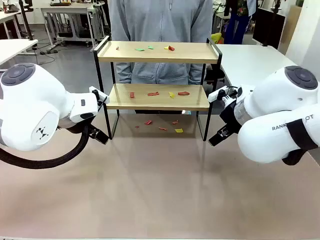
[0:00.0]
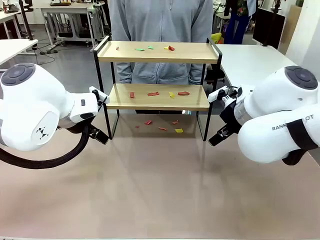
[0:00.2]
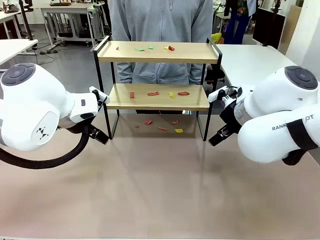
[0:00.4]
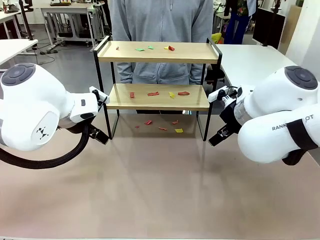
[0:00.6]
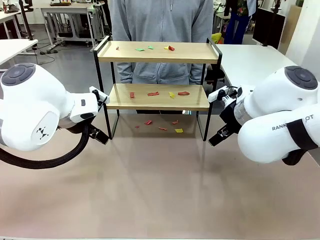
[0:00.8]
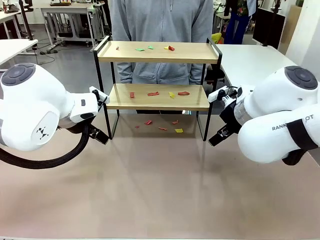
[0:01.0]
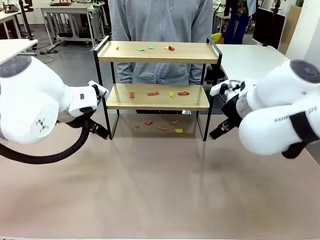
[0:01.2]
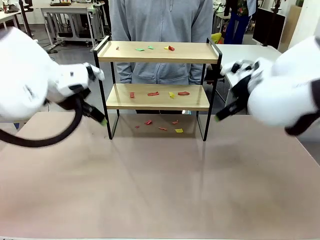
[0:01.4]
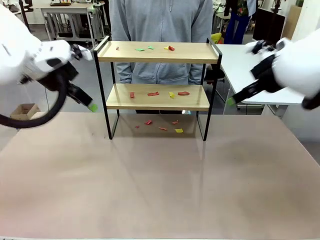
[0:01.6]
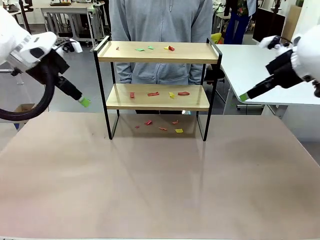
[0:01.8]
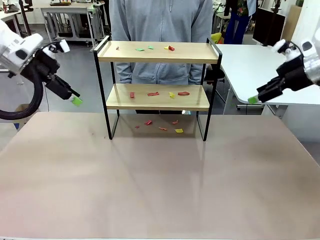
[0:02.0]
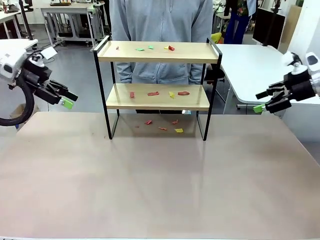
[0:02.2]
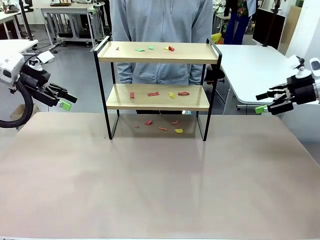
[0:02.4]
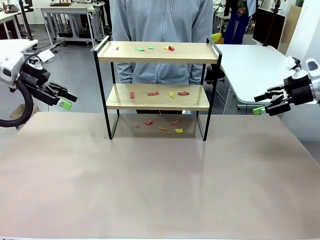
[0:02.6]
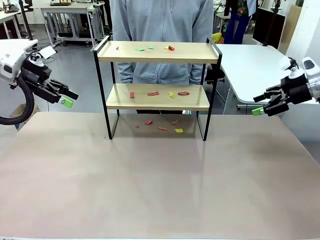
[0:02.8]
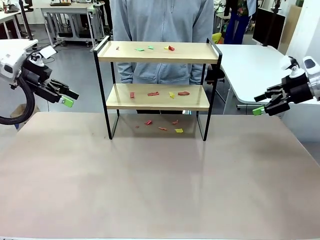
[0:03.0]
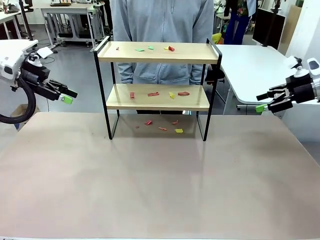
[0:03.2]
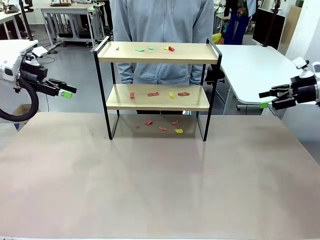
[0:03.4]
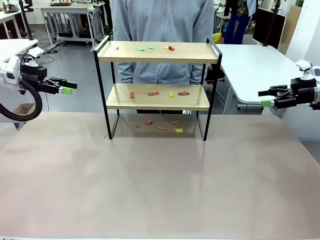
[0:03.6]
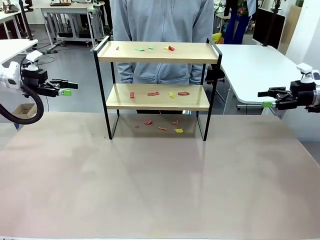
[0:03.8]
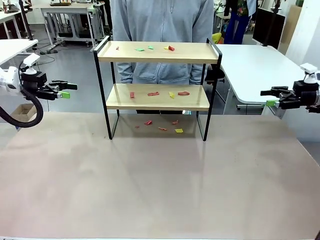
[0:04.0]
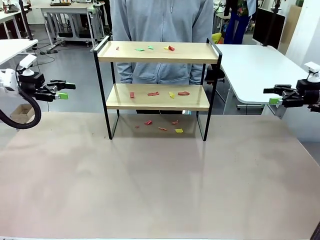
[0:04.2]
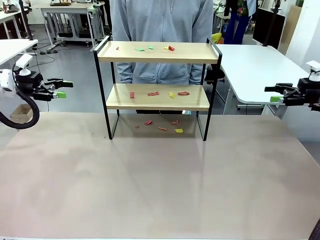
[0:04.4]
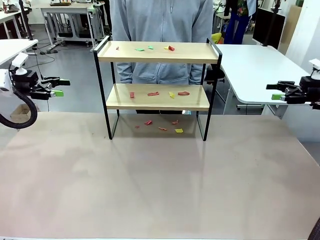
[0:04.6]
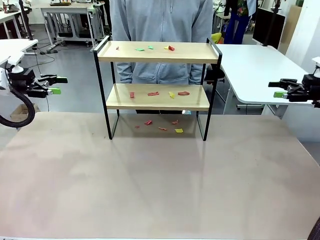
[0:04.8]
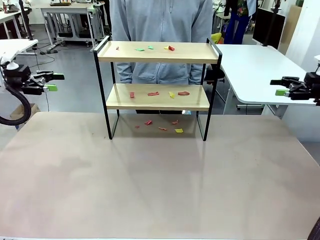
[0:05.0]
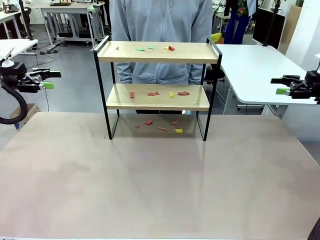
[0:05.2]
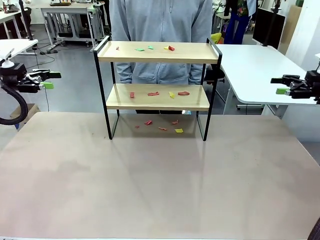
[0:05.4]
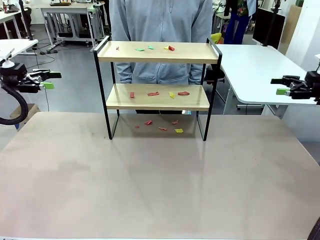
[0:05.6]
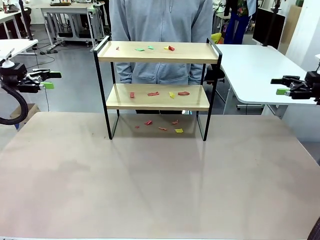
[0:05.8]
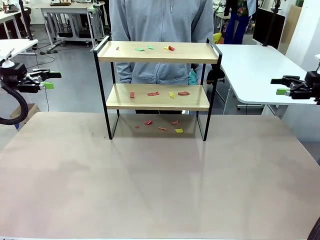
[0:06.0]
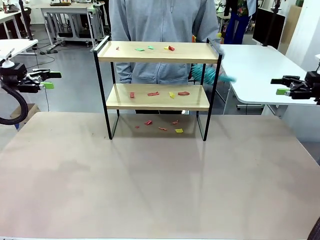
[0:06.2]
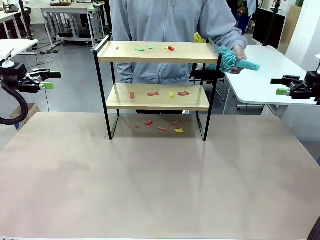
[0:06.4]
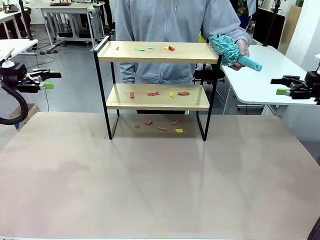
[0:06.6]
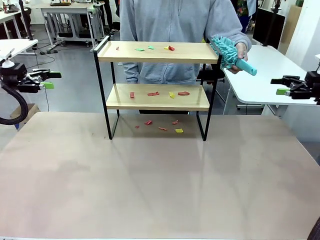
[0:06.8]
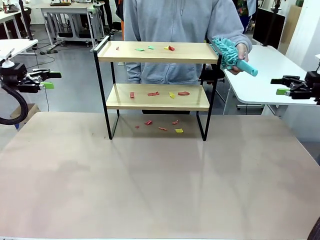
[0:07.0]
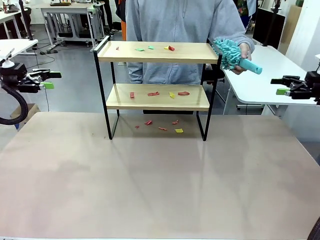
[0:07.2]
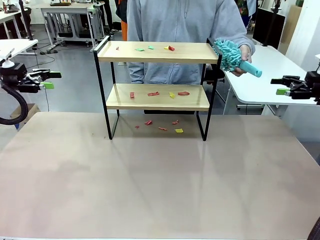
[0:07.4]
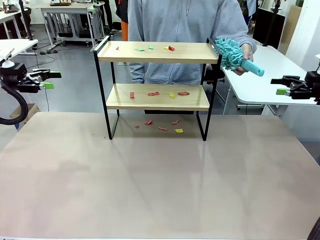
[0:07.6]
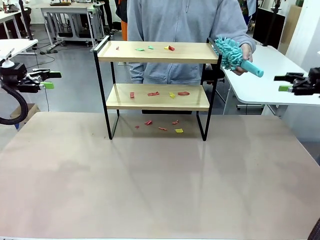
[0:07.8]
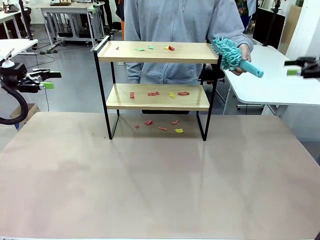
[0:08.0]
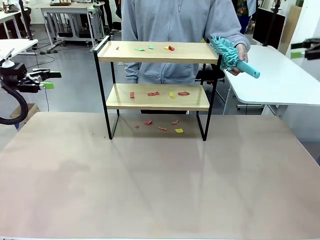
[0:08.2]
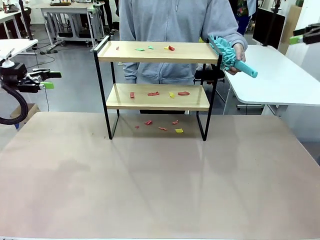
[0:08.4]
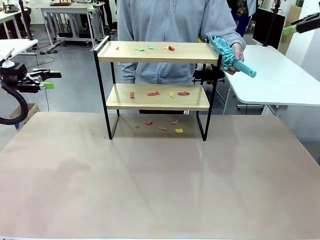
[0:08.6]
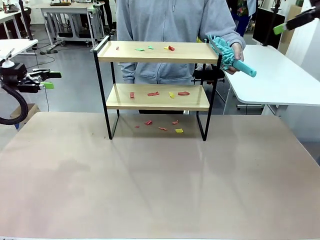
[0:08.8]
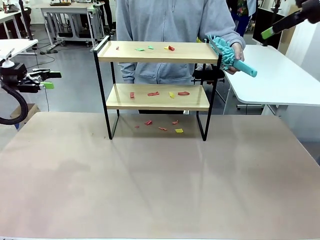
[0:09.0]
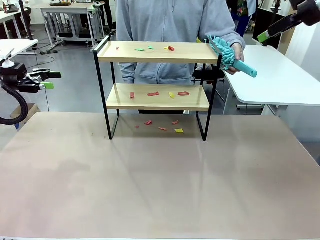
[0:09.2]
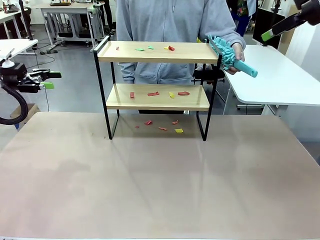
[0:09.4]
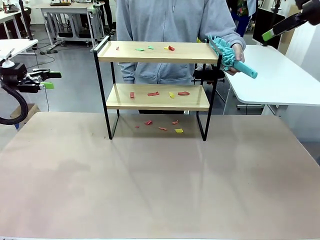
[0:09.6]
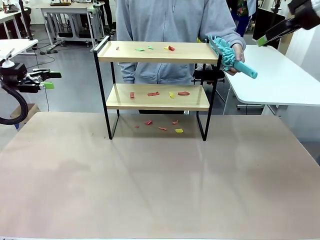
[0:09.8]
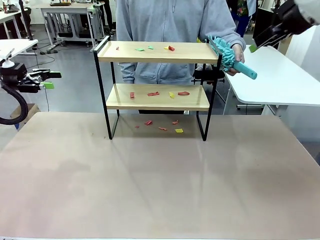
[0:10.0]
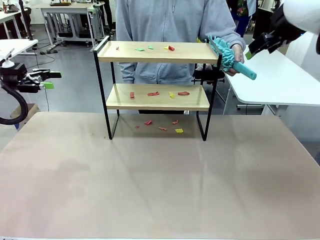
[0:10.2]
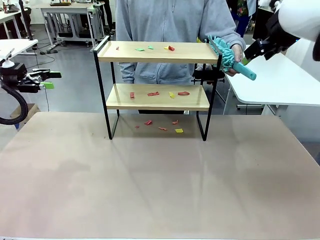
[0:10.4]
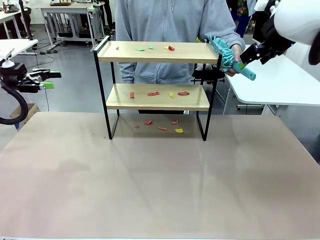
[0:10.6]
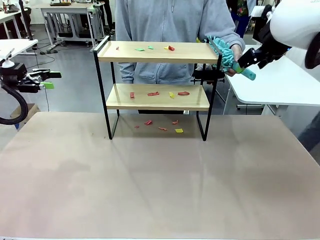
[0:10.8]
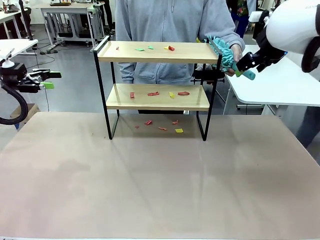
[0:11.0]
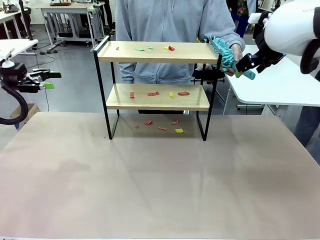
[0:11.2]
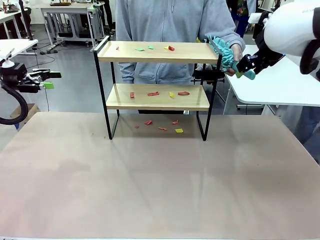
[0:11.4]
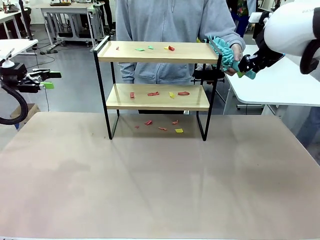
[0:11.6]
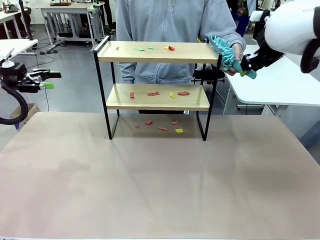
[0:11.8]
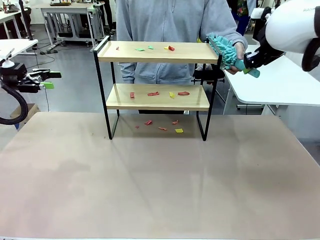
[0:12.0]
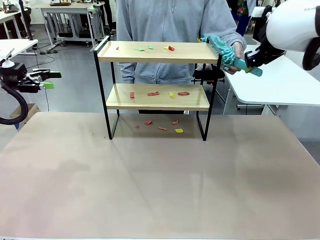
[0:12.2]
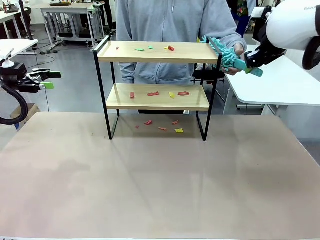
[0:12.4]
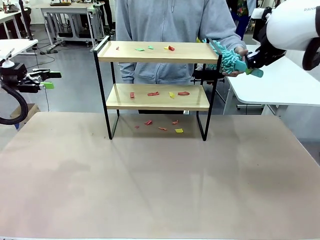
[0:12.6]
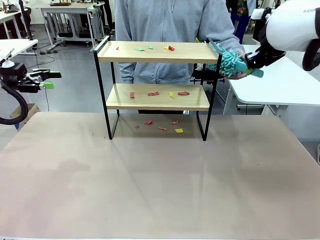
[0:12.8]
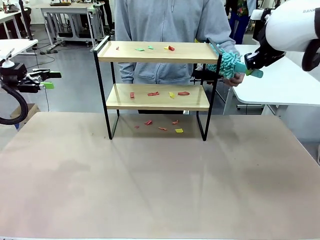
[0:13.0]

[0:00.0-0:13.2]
Task: Clean the shelf.
Robot: Pick up the Duster handed by the human.
Person: Hand the Duster to the robot.

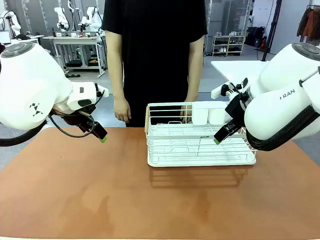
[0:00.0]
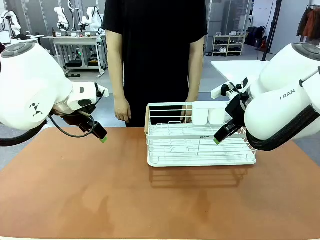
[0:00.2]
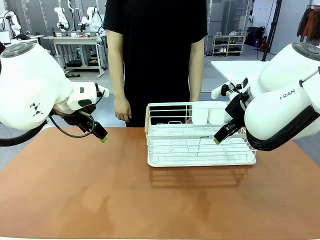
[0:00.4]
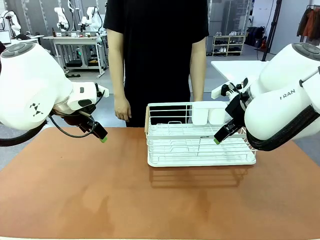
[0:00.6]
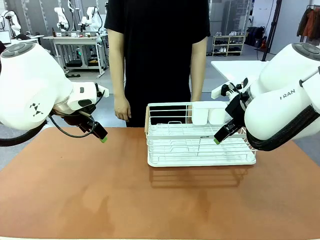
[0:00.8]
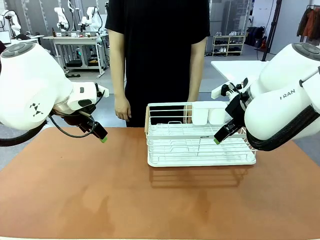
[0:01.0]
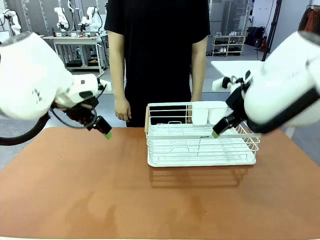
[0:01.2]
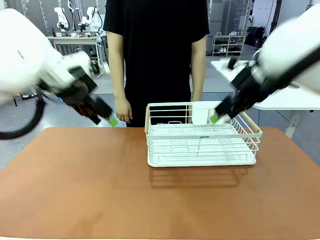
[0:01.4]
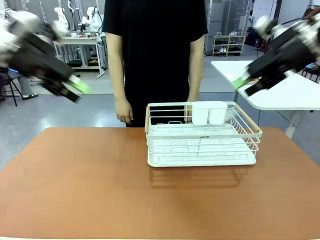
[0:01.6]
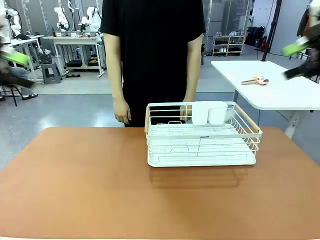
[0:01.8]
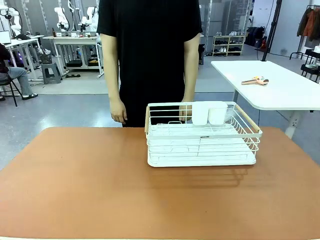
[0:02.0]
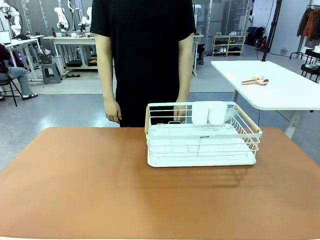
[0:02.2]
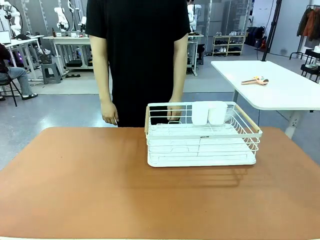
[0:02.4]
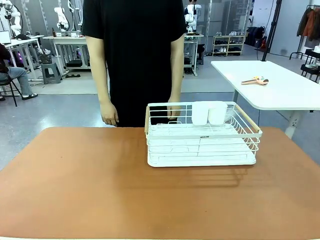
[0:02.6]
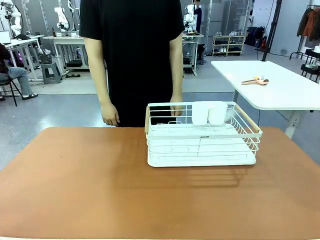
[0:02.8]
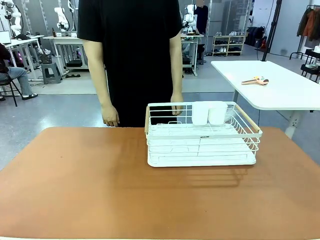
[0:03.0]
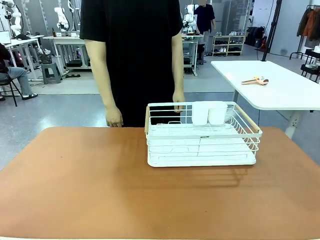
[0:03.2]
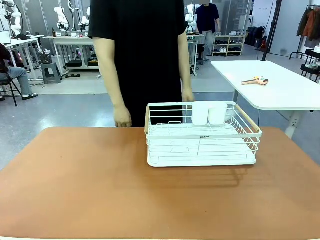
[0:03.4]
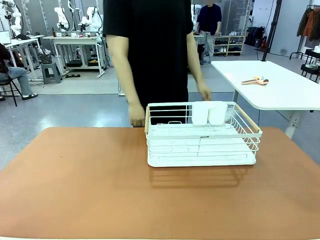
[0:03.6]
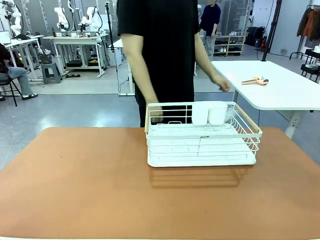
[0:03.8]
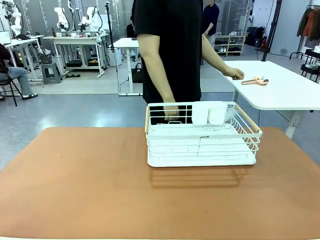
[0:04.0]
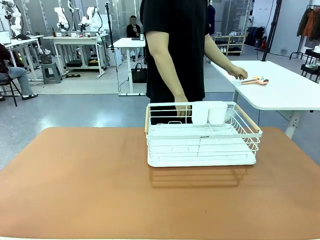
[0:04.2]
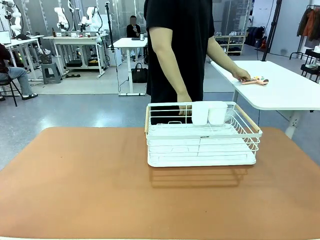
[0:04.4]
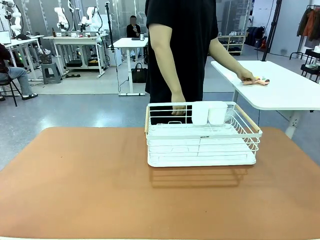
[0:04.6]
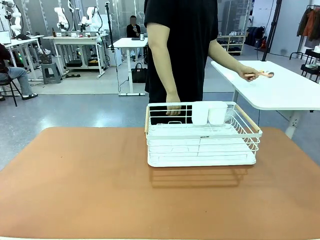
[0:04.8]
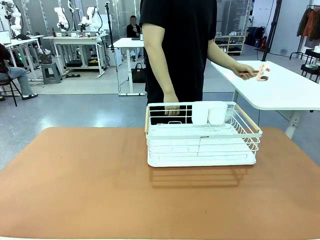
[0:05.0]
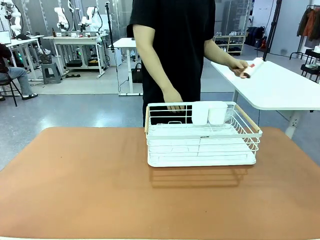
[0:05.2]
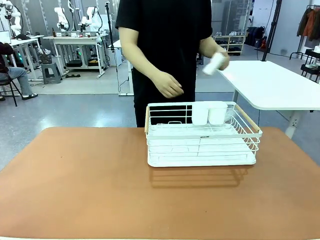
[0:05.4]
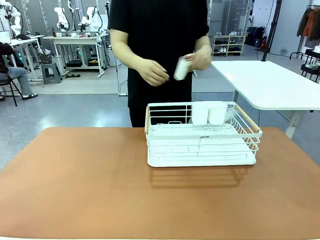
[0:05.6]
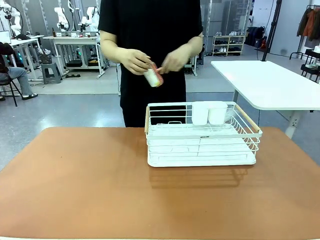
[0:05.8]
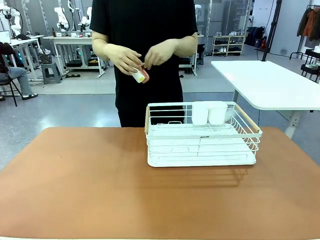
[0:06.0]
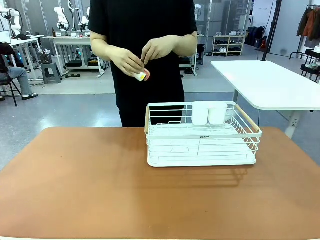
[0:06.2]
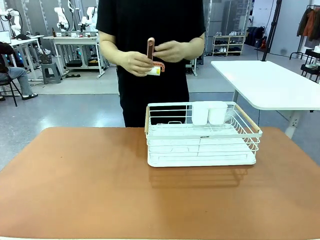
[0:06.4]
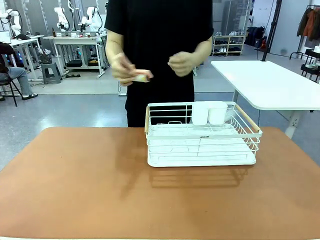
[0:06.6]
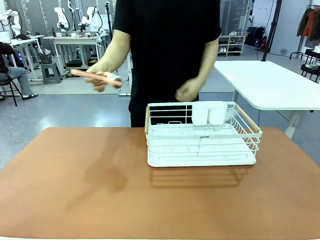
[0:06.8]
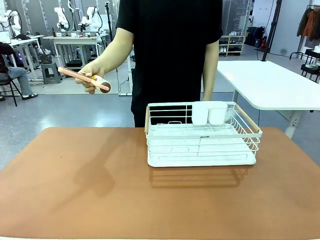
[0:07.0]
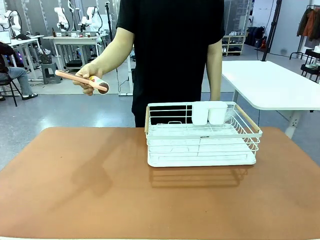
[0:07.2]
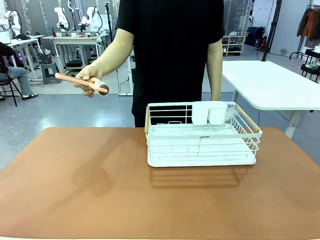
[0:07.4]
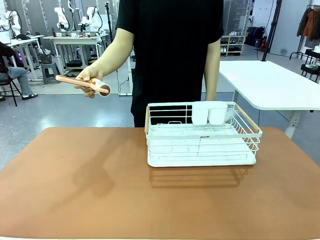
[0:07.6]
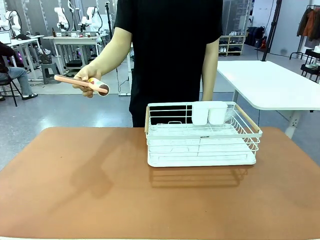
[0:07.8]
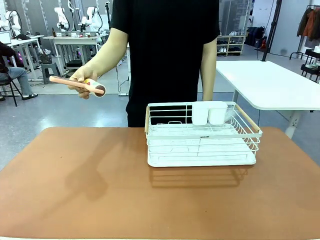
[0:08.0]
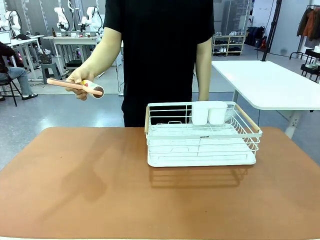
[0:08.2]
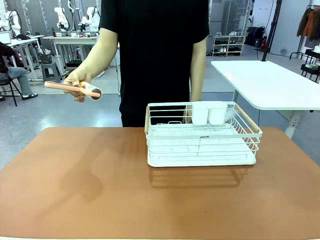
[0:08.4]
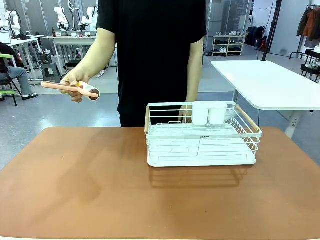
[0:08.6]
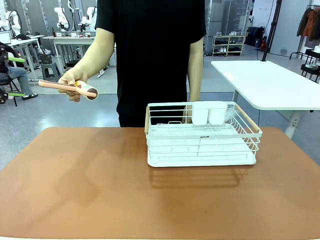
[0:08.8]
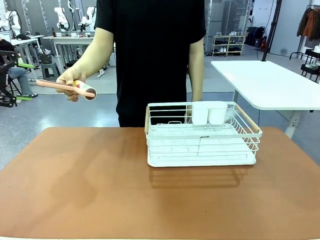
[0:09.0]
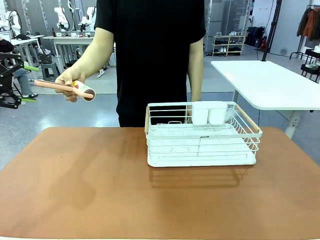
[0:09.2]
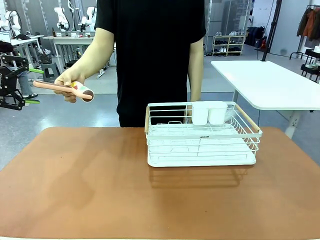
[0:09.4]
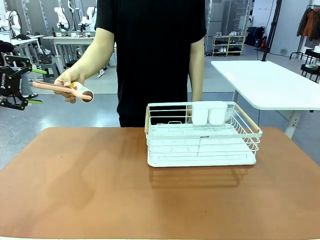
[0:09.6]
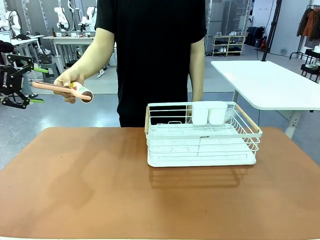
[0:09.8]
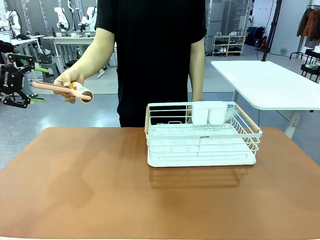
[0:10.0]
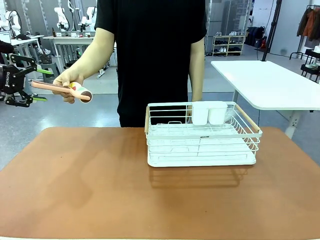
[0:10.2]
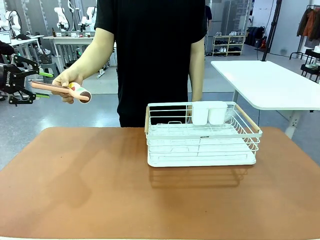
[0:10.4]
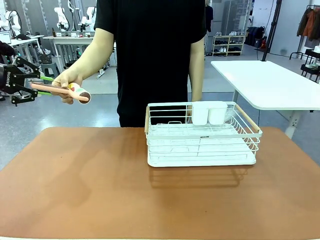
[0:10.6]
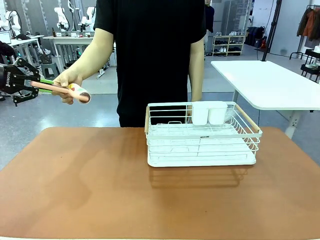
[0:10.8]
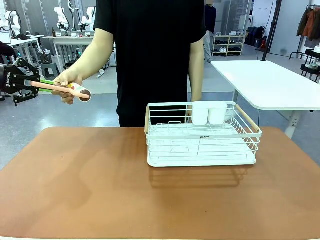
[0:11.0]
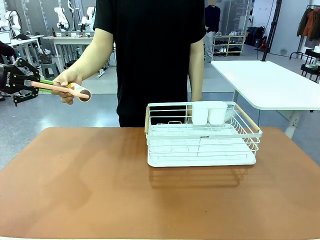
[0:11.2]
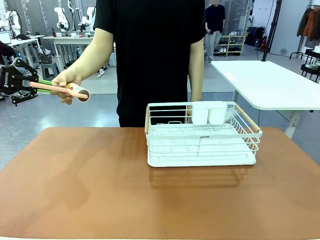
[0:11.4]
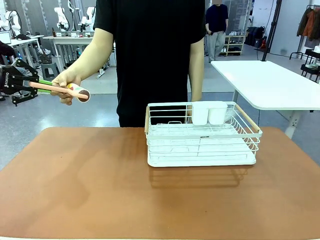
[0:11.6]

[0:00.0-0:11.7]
Task: Clean the table.
Robot: Pick up the Lint Roller when the human hands it over.
Person: Hand the Lint Roller to the robot so it can easily pick it up. Lift the Dish drying rack.
